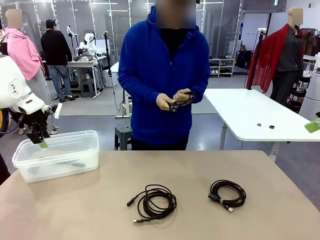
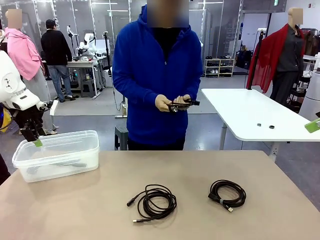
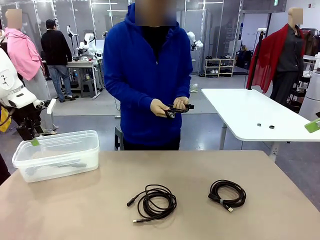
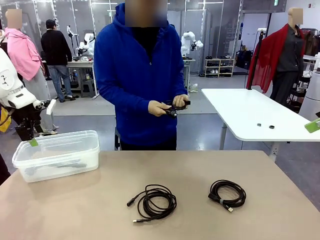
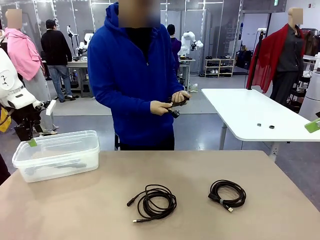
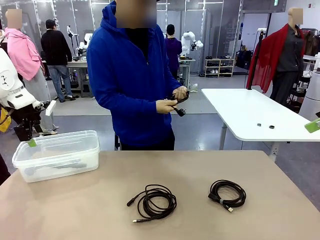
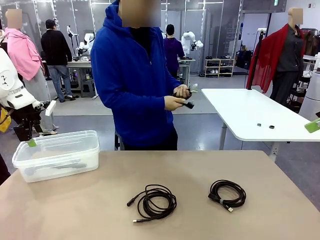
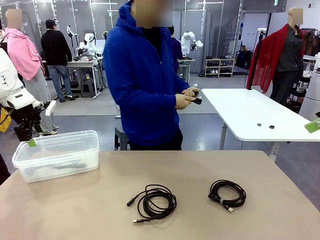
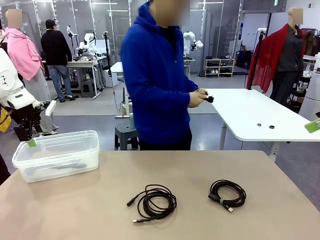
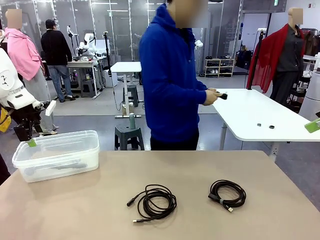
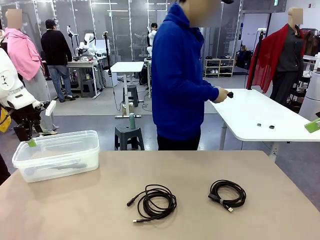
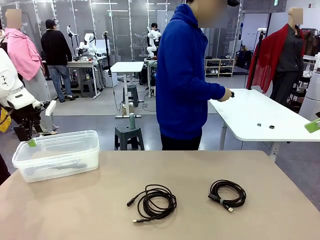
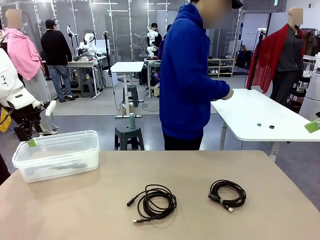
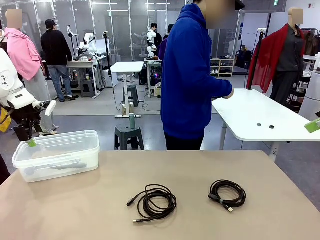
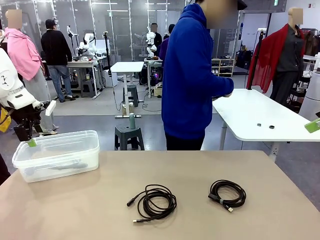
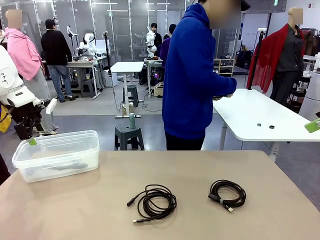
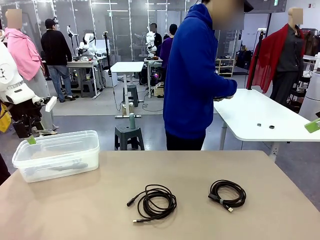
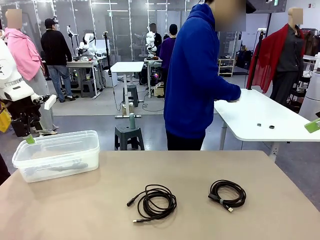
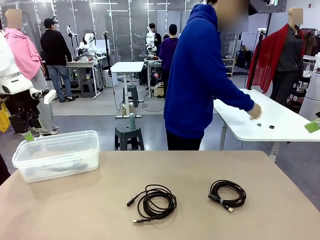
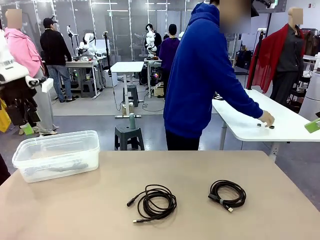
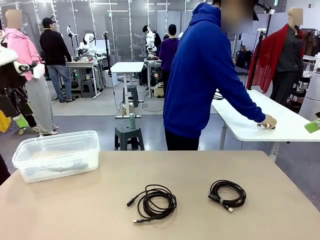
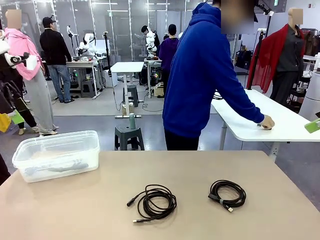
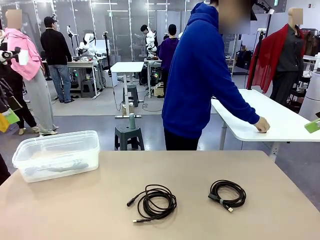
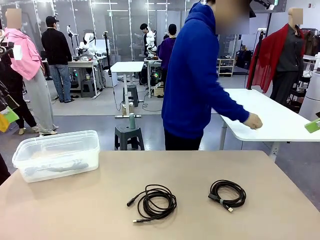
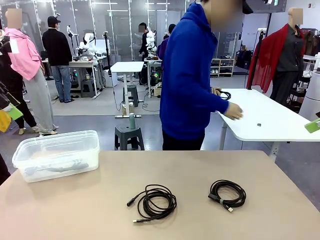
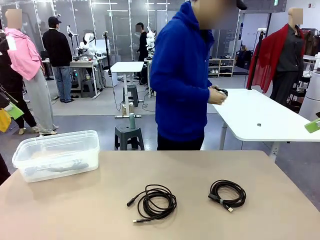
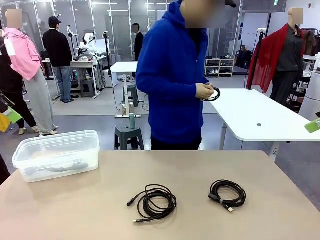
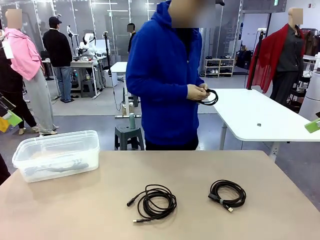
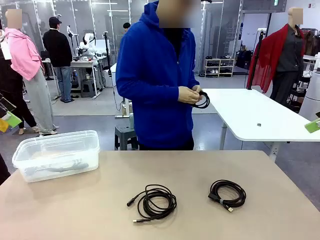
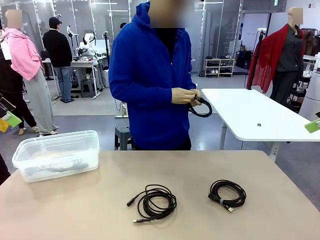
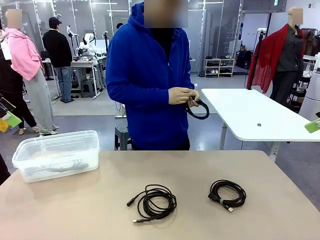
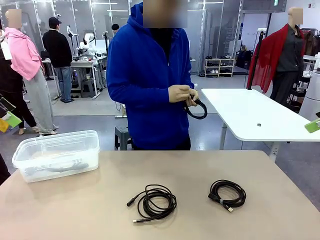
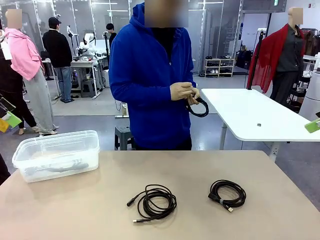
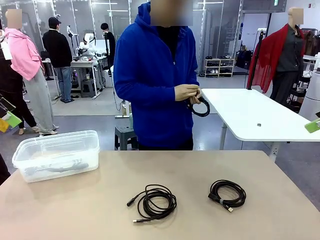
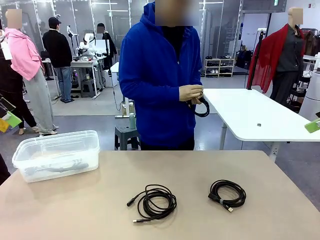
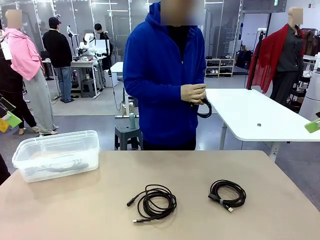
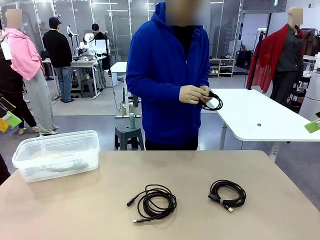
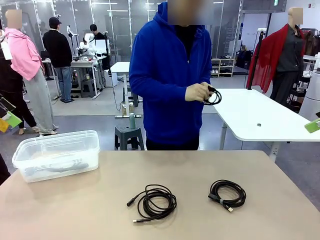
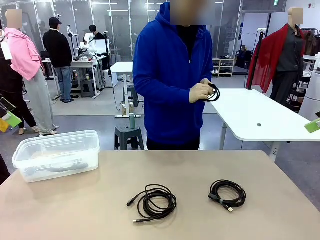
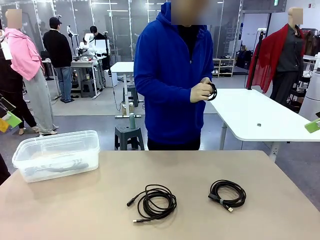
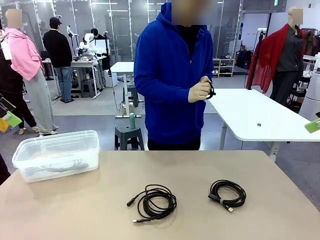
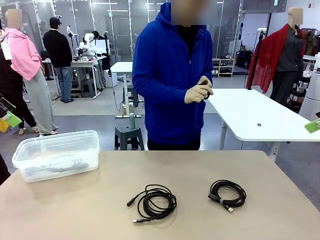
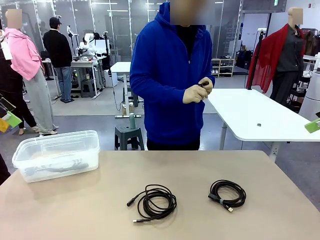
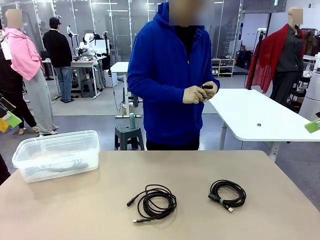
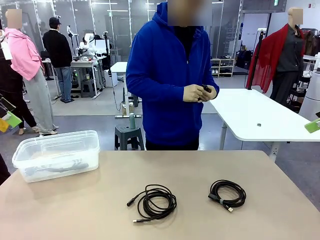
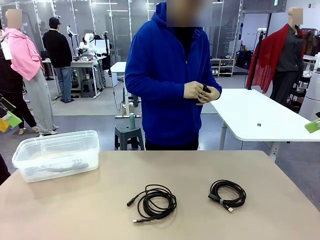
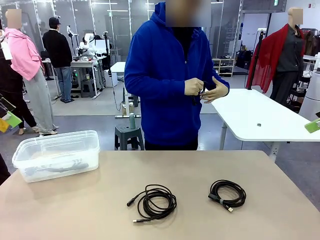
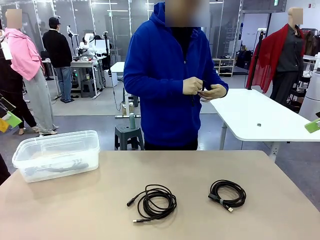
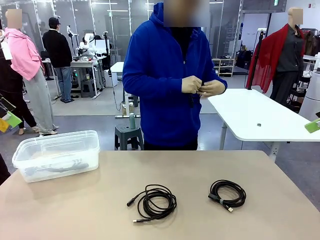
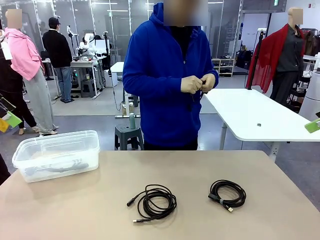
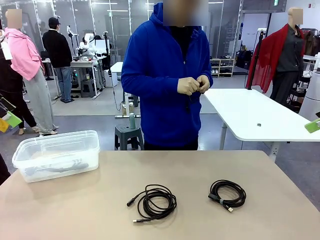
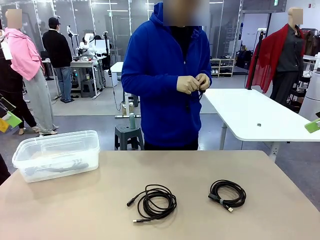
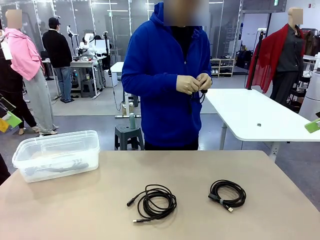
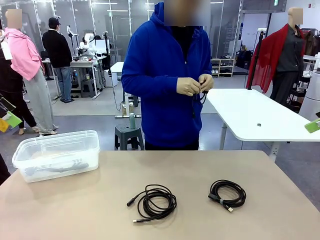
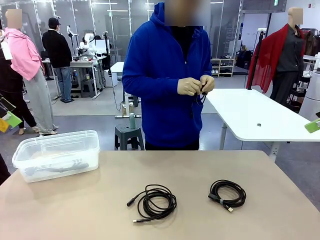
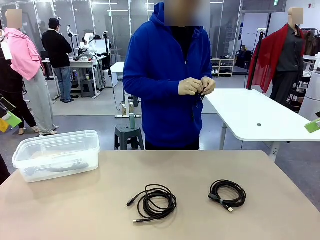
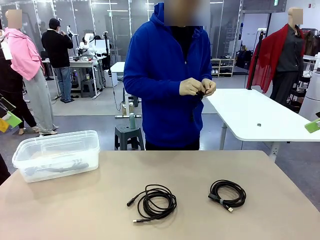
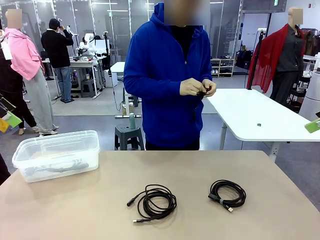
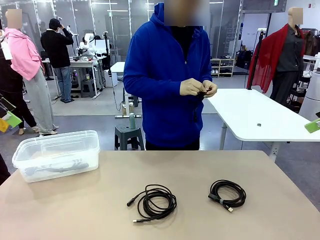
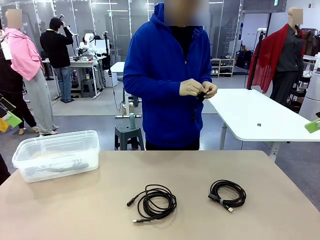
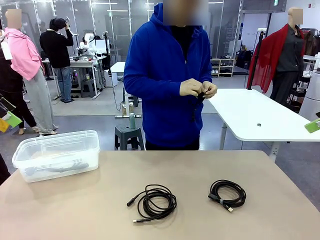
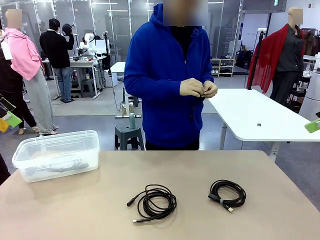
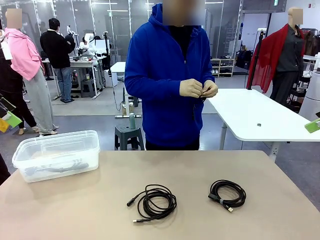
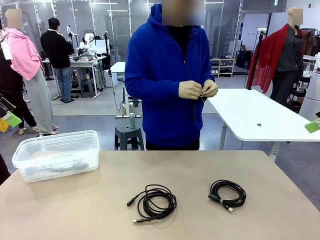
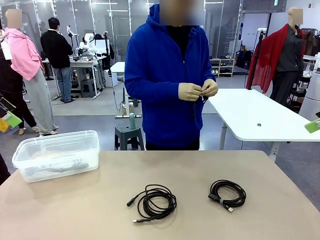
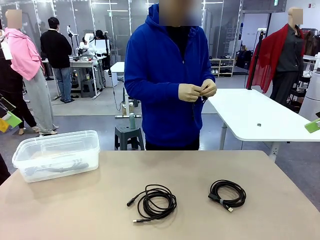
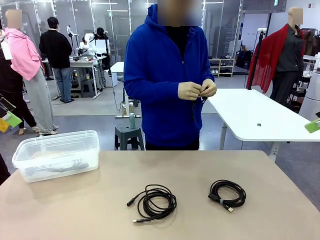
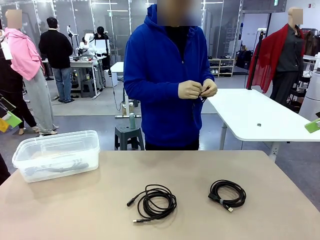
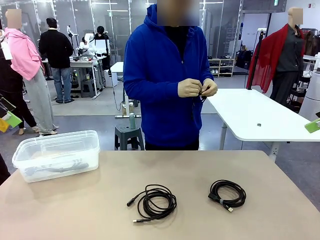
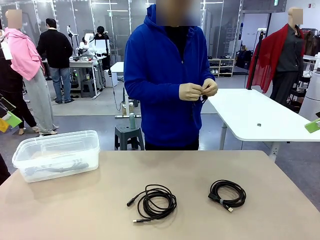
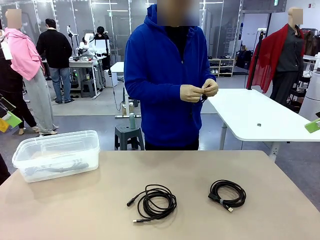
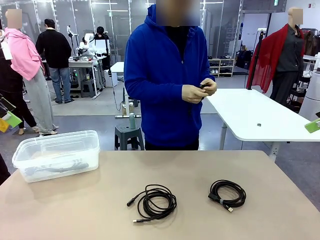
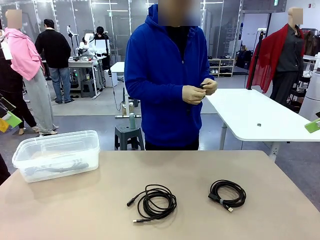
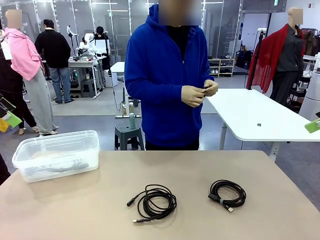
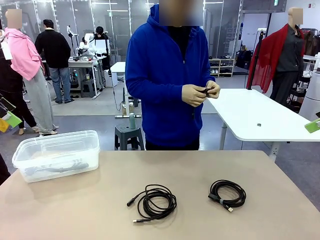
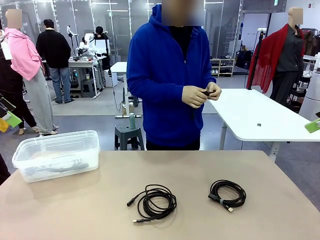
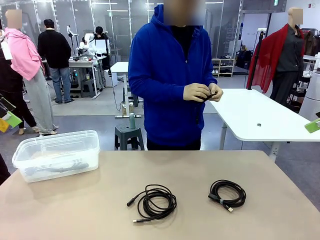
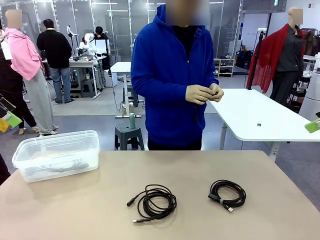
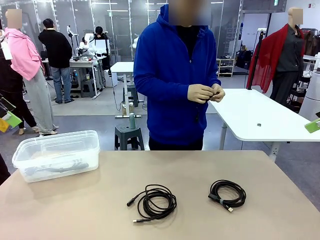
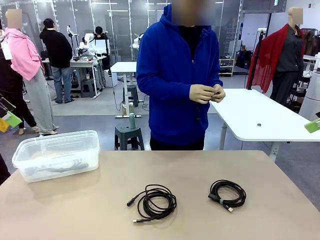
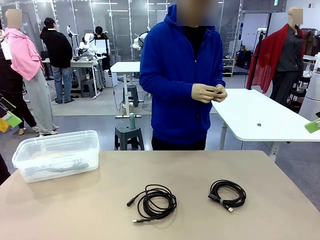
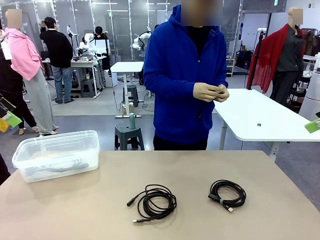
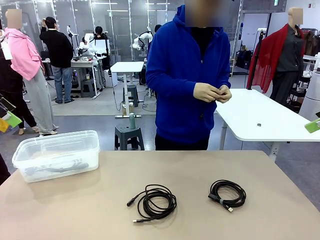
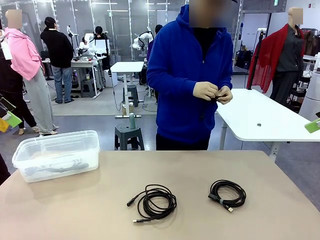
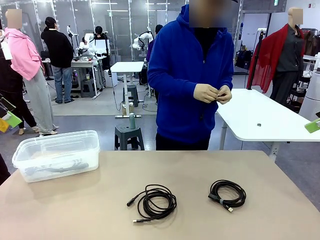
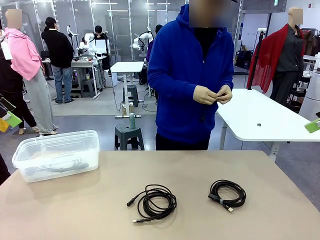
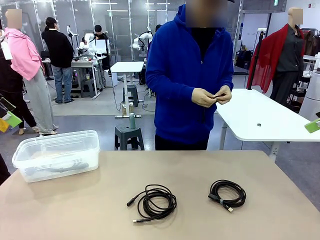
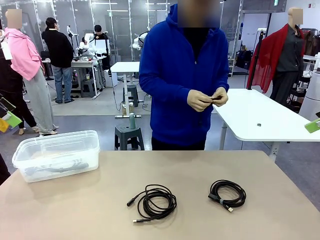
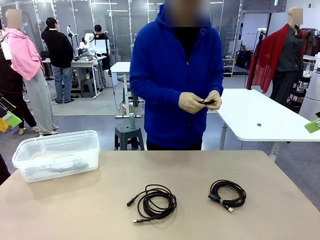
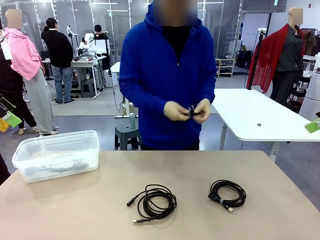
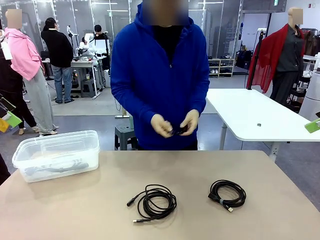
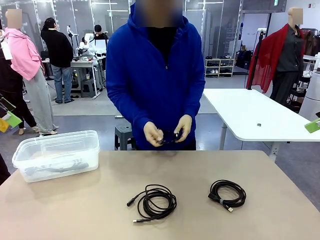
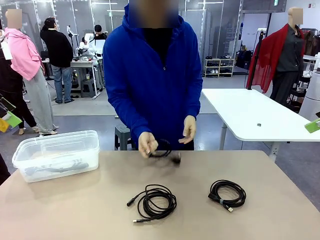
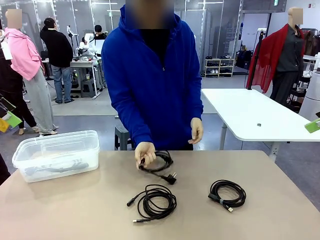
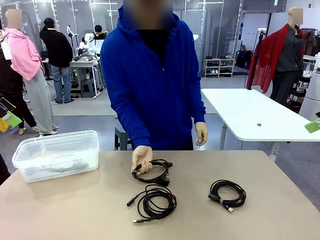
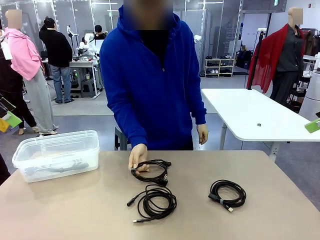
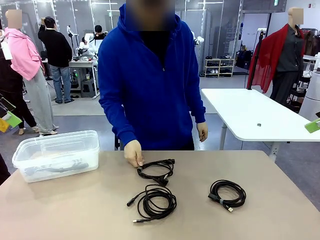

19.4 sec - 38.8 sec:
Task: Organize and store the cables.
Robot: Place the Power Cable into the Organizing box.
